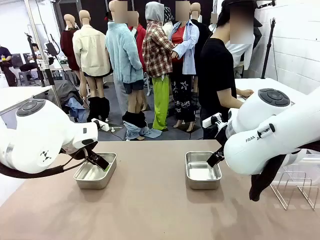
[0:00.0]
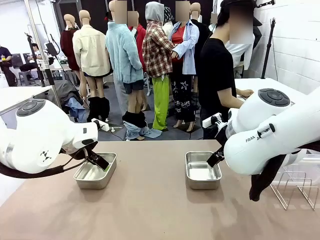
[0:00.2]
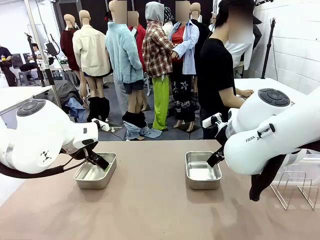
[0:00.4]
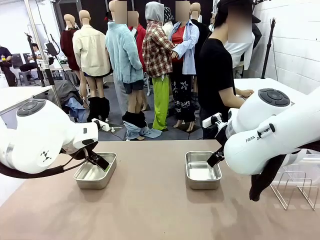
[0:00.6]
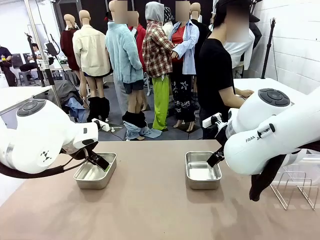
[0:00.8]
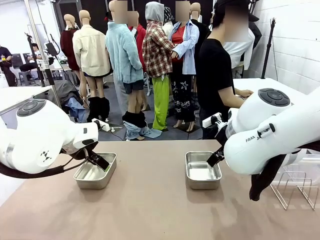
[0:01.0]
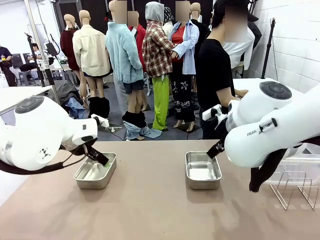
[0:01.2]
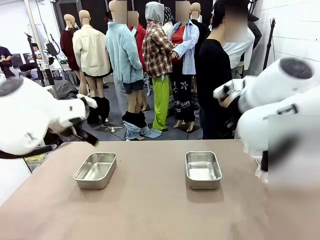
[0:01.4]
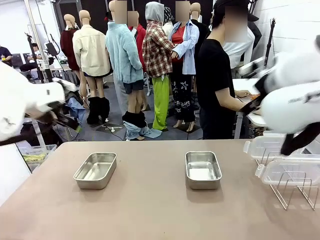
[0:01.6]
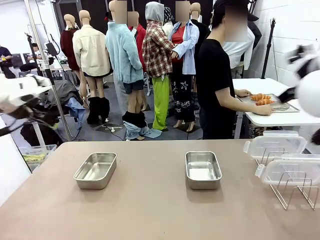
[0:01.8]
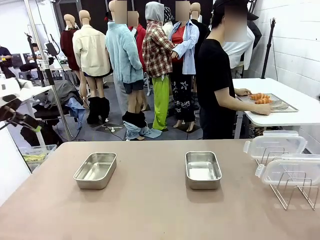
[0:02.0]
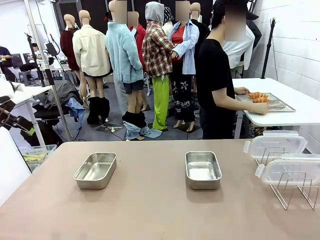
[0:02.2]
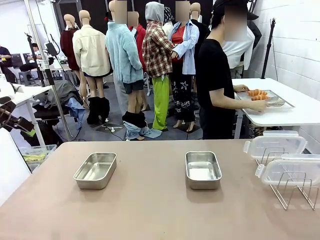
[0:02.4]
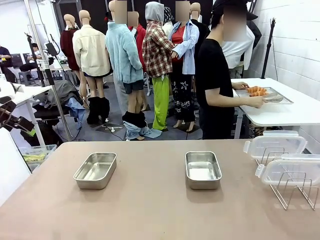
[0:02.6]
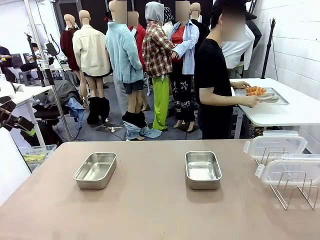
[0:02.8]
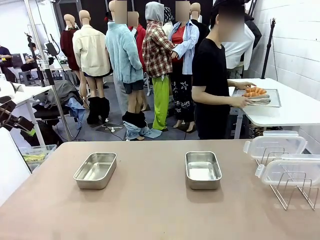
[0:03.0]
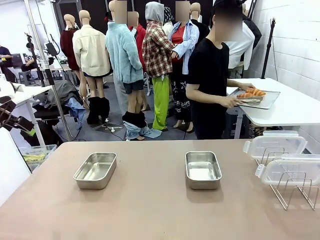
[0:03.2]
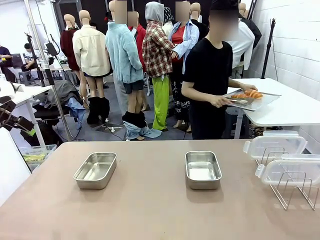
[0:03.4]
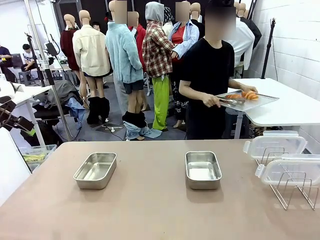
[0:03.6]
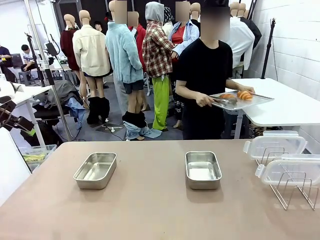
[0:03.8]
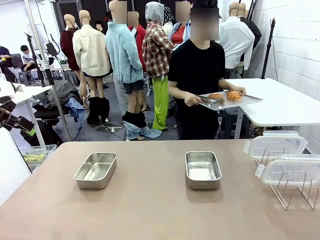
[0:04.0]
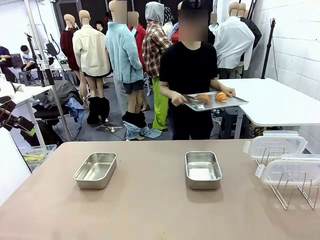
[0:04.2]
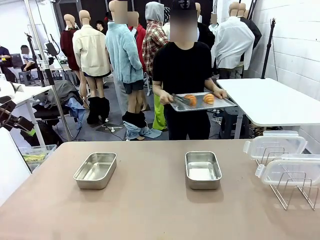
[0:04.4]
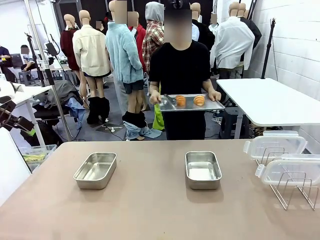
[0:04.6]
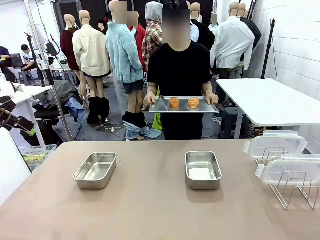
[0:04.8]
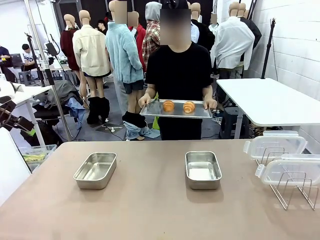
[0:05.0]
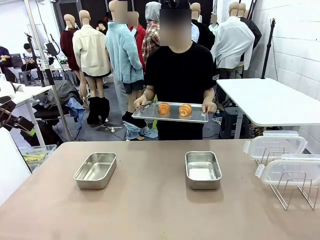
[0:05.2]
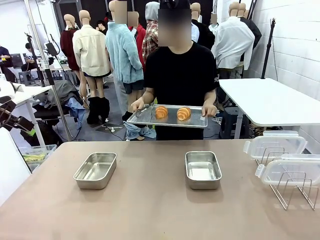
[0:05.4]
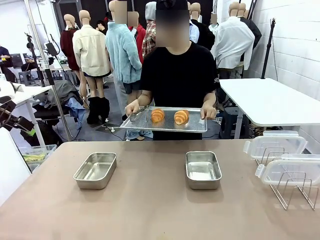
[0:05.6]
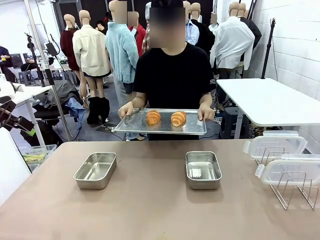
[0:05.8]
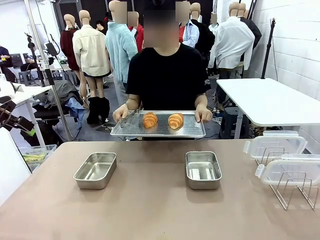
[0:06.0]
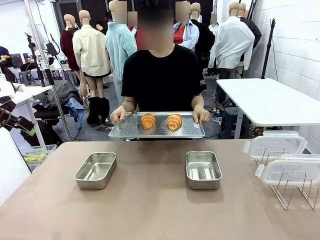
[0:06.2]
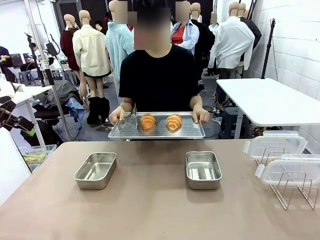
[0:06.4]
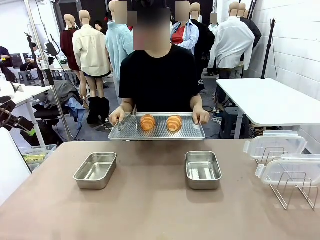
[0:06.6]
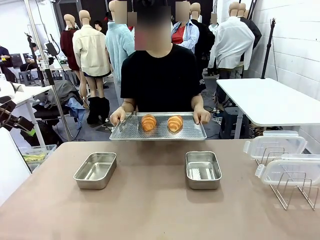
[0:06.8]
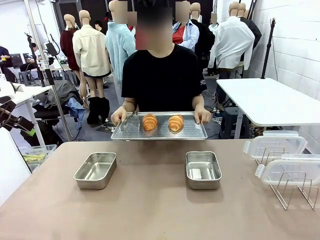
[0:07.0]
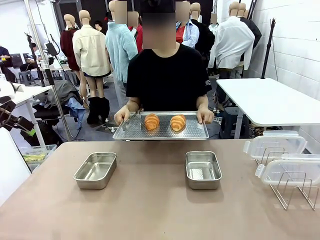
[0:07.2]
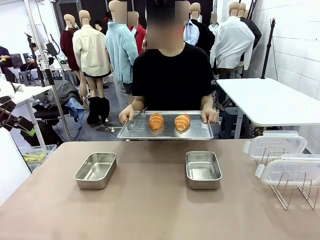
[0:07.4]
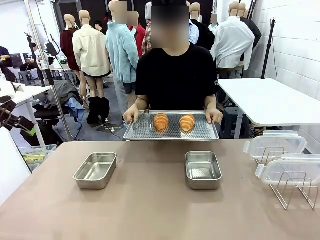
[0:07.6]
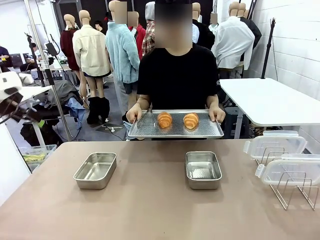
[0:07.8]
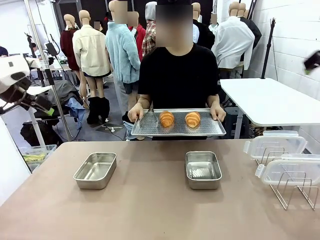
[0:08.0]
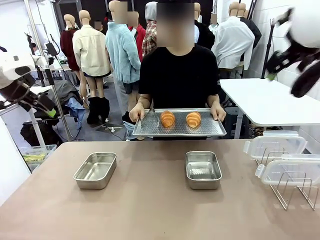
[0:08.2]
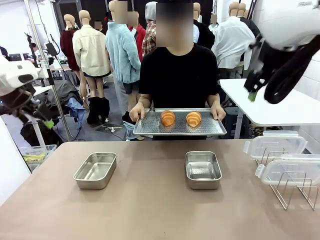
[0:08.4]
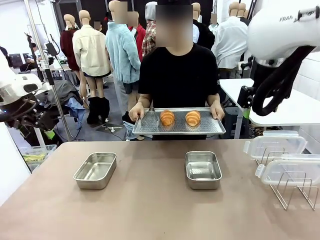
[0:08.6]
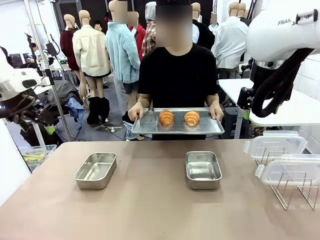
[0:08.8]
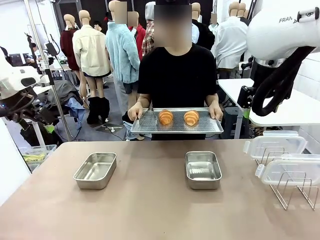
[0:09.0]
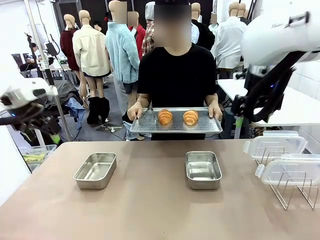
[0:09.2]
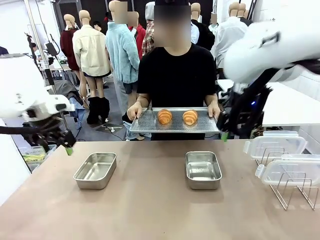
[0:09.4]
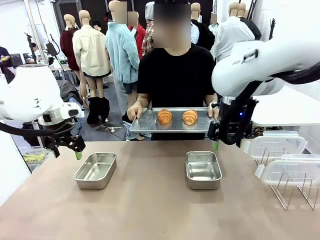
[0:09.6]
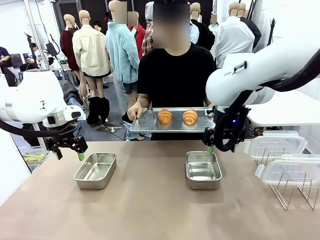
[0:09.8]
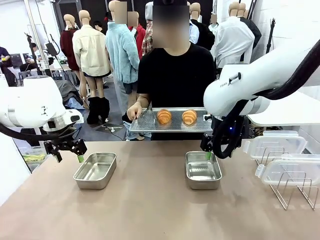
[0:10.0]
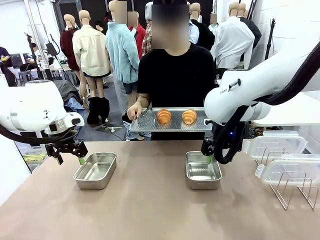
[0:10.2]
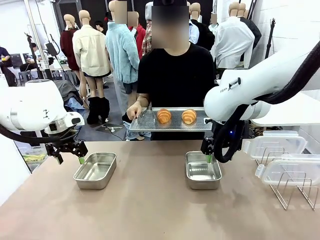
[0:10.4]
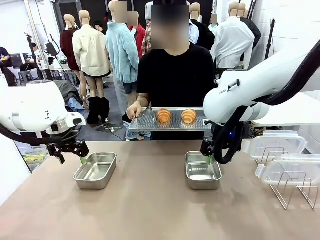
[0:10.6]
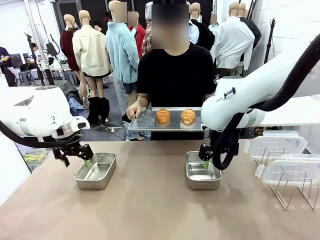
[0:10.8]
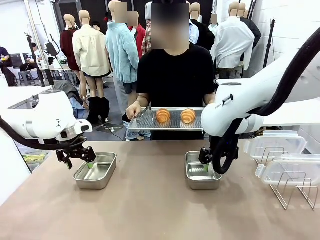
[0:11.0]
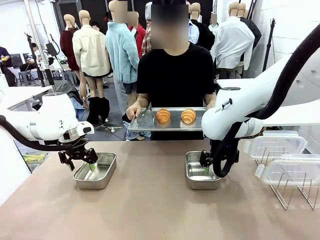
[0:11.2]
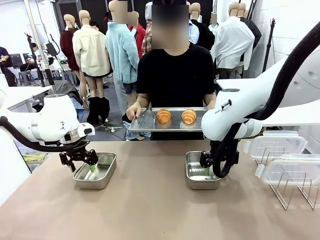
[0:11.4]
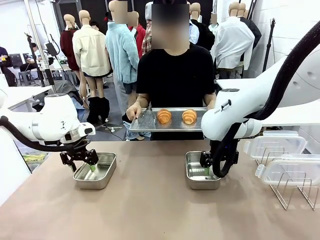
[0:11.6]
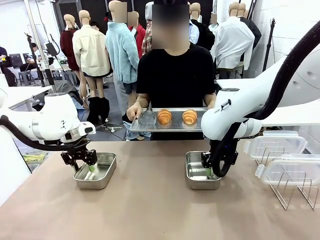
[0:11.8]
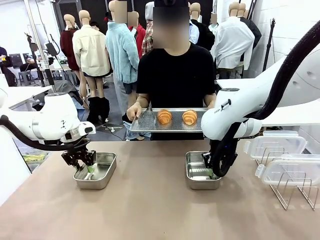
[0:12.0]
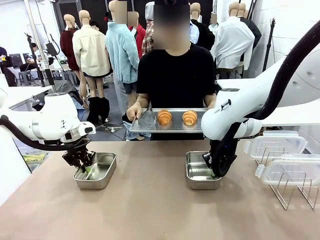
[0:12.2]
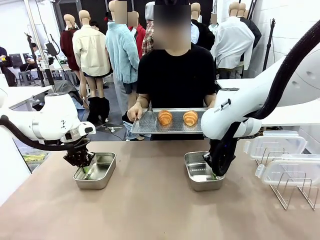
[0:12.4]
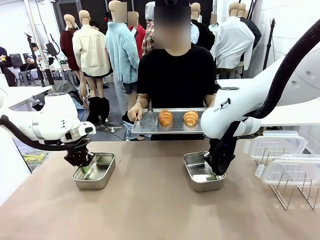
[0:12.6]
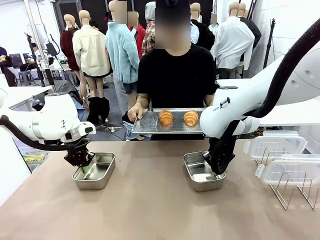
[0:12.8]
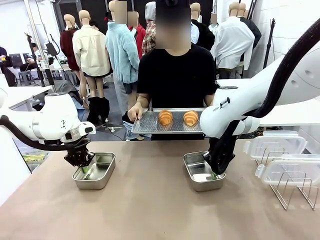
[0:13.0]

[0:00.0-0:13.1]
Task: Place the bread in airtight containers.
Robot: Lift both Airtight Container.
Person: Bring the Baking Sheet in front of Robot's Table.

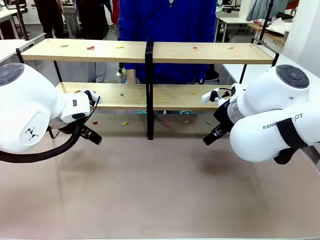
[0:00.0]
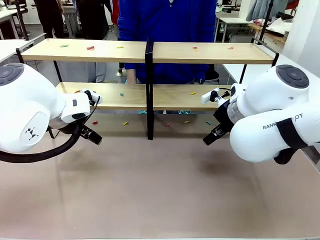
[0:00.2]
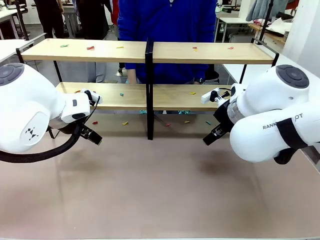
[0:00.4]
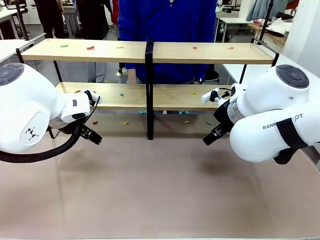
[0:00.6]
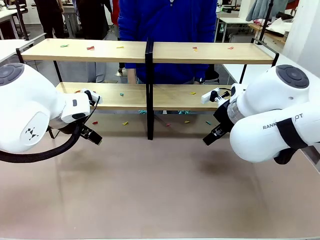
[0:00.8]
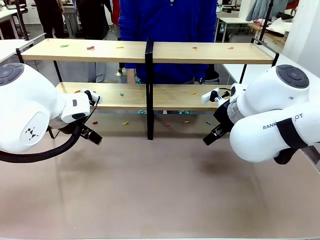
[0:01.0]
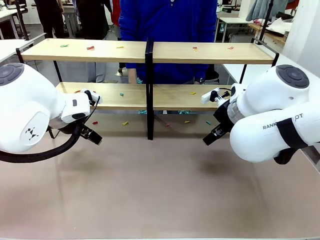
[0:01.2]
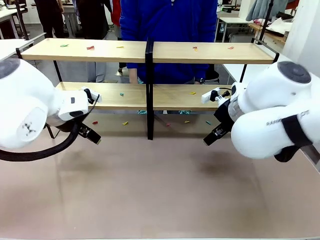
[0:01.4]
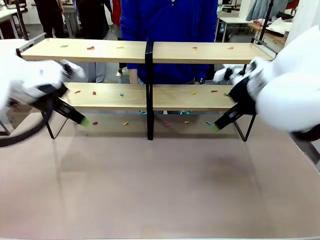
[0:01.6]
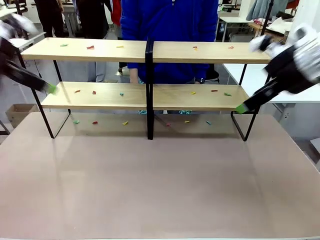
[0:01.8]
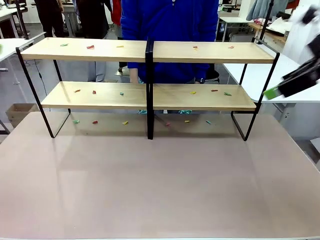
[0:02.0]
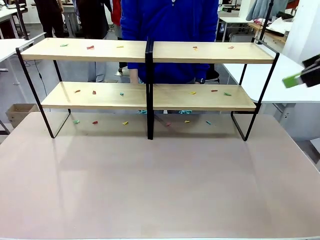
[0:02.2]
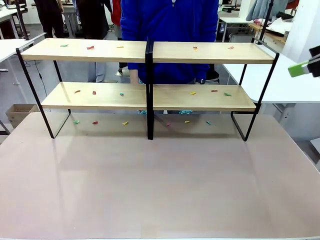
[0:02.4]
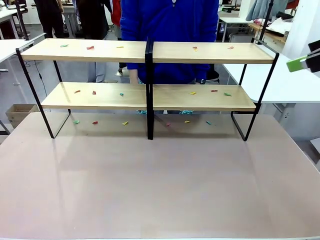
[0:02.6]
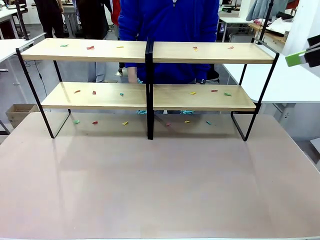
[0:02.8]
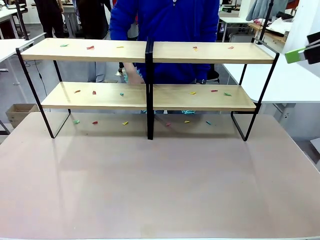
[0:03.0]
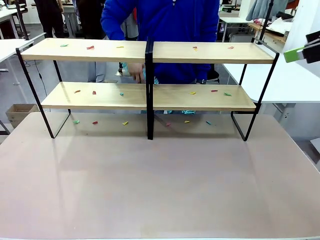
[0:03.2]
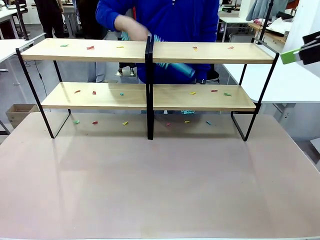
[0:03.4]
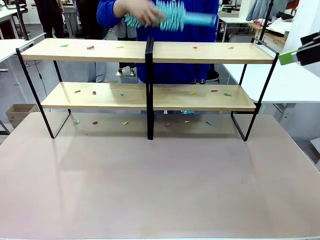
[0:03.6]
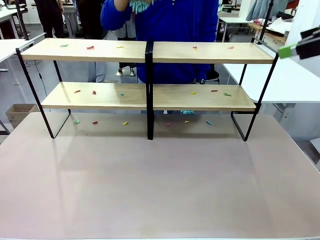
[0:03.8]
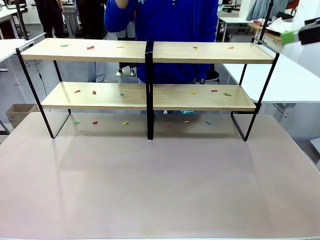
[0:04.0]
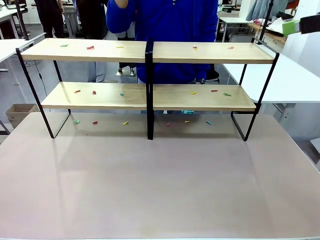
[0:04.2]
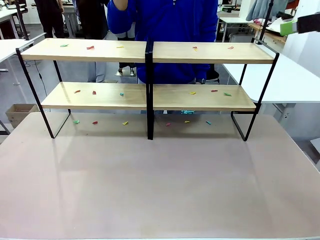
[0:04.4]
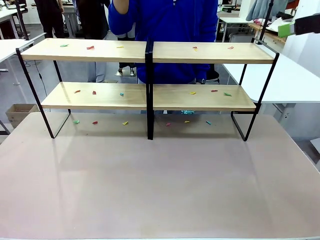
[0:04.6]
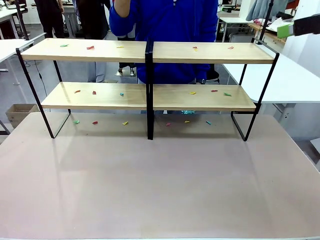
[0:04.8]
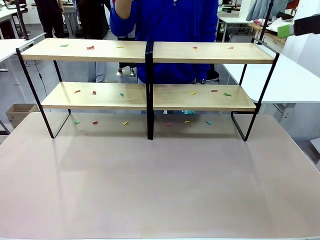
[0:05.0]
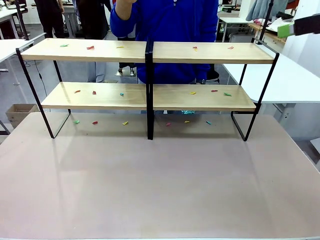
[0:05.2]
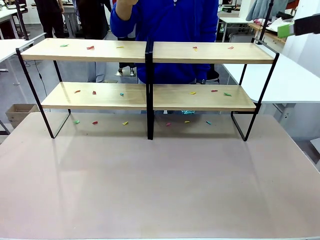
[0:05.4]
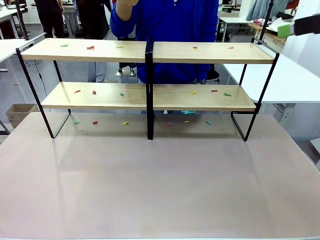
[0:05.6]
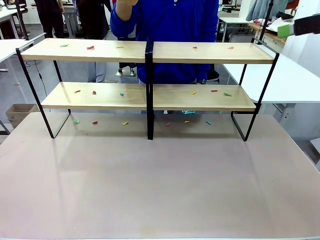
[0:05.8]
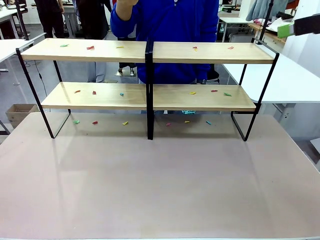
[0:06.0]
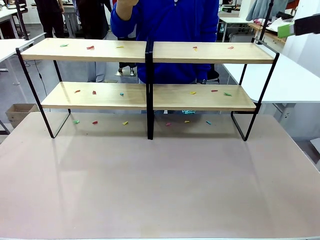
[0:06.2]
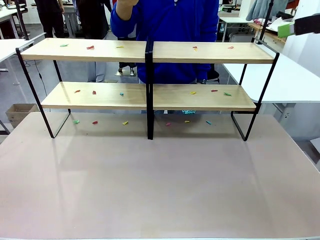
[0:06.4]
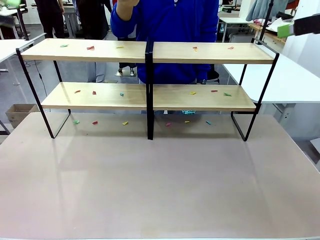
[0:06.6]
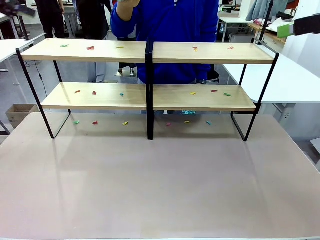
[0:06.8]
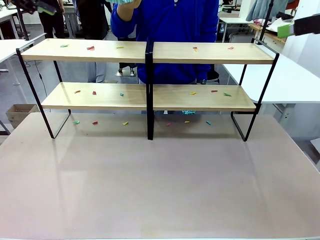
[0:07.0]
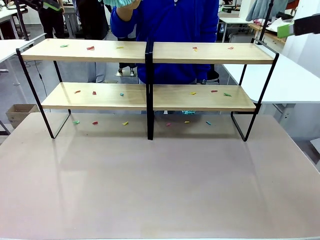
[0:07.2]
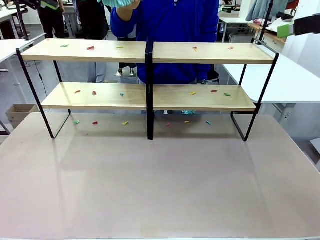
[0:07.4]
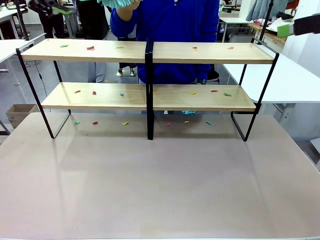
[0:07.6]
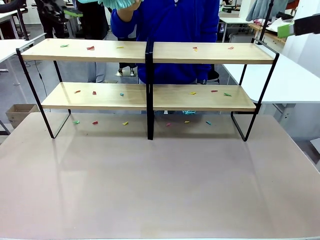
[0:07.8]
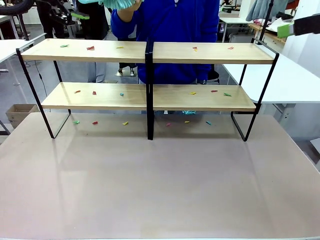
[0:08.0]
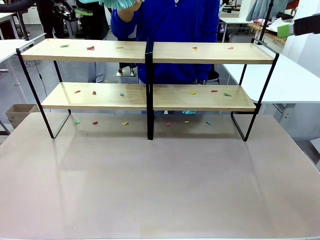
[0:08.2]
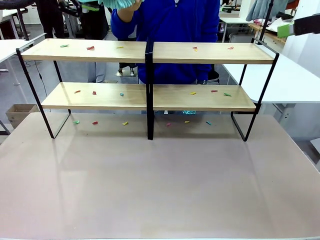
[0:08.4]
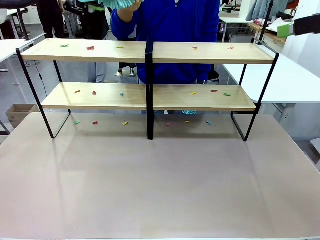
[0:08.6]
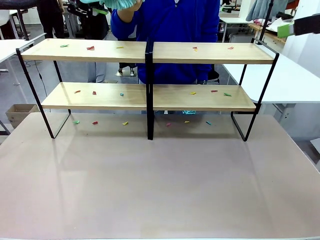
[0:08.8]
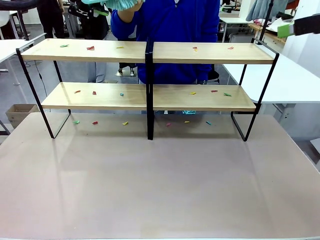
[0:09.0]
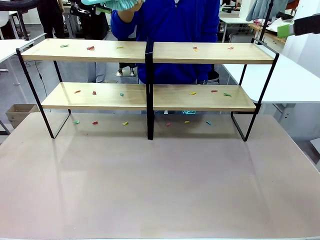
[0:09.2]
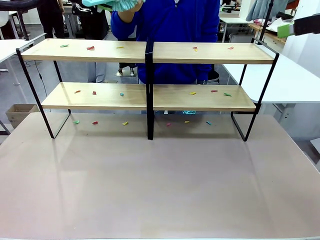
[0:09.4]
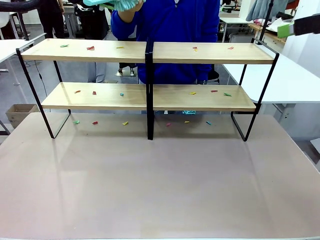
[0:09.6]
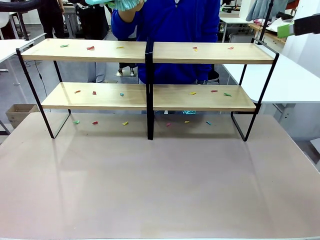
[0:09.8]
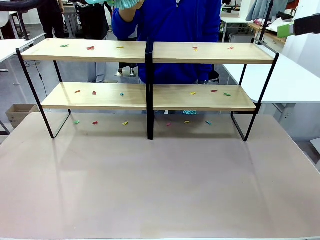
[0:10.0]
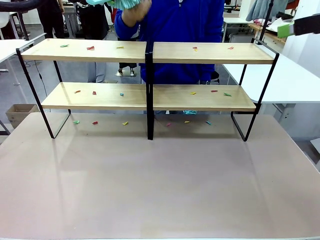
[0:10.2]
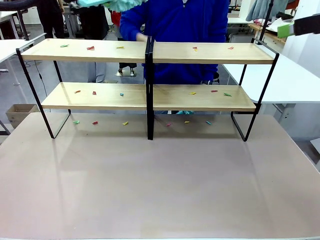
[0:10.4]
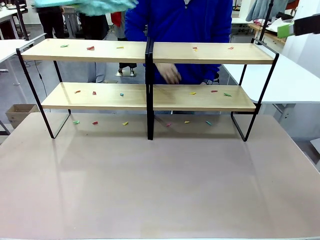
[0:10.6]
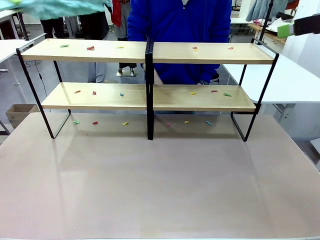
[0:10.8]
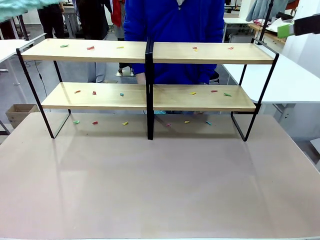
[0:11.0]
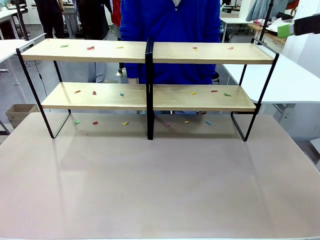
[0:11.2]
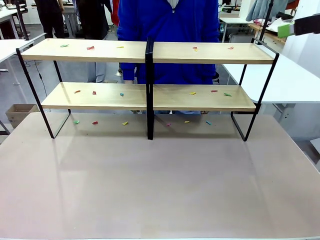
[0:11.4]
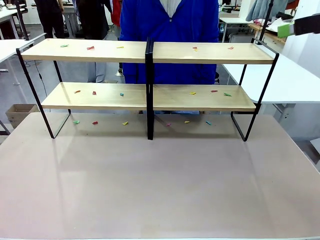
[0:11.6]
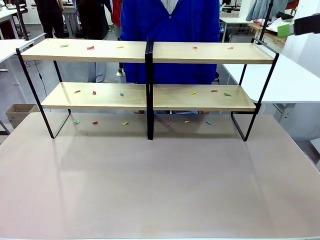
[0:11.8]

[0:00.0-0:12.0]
Task: Clean the shelves.
Robot: Pick up the Duster when the human hands it over.
Person: Hand the Duster to the robot with your right (or left) hand.
